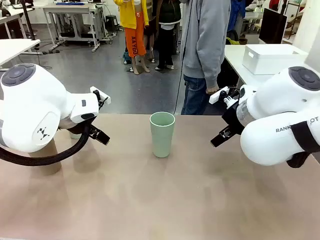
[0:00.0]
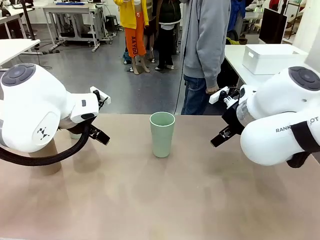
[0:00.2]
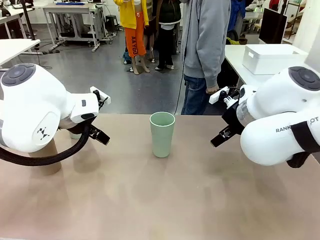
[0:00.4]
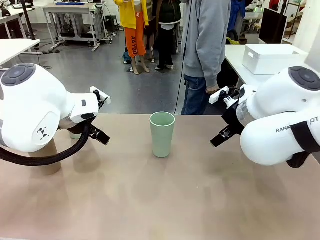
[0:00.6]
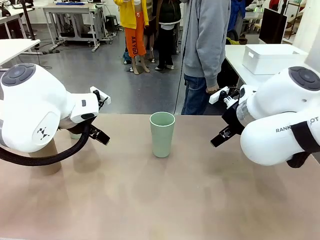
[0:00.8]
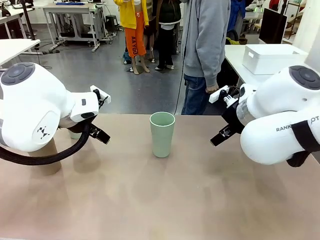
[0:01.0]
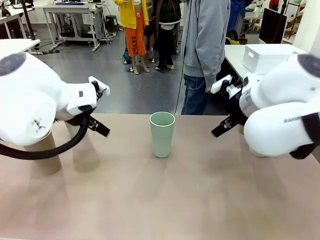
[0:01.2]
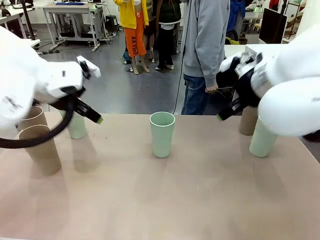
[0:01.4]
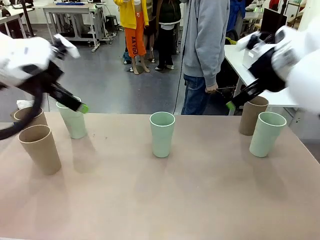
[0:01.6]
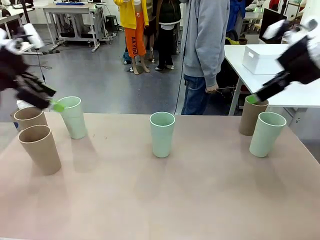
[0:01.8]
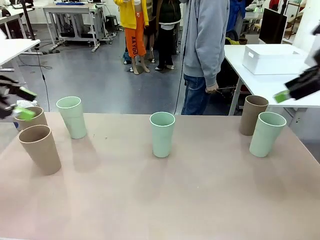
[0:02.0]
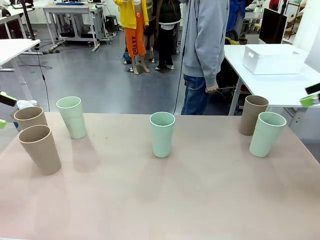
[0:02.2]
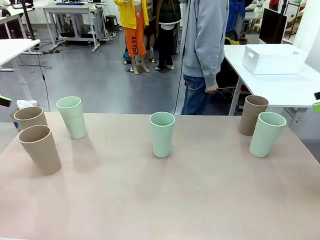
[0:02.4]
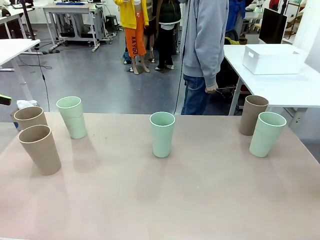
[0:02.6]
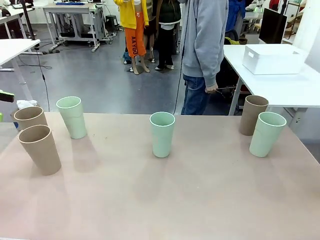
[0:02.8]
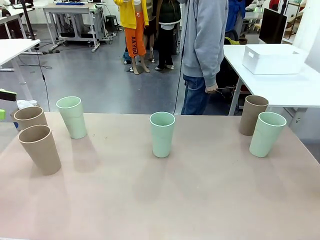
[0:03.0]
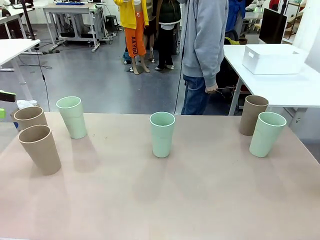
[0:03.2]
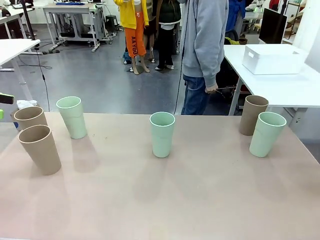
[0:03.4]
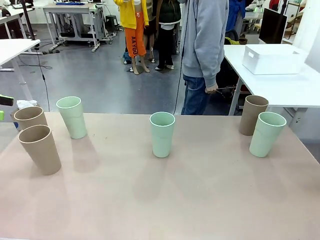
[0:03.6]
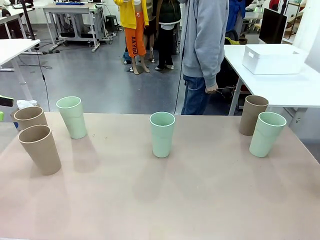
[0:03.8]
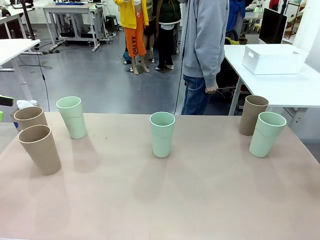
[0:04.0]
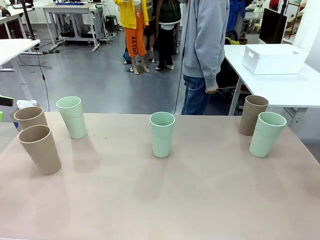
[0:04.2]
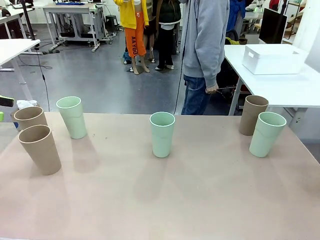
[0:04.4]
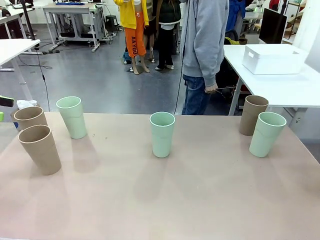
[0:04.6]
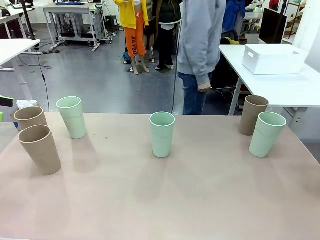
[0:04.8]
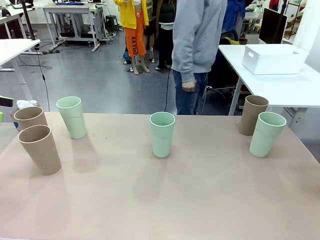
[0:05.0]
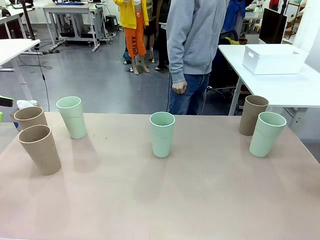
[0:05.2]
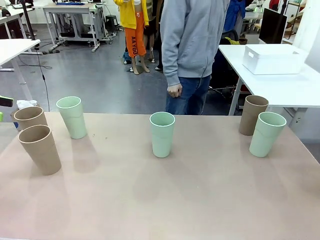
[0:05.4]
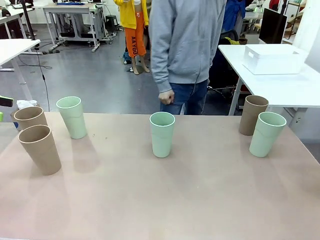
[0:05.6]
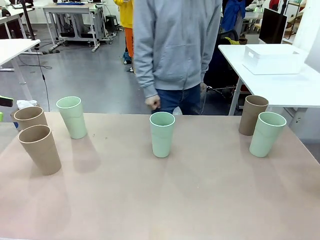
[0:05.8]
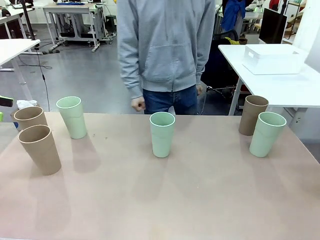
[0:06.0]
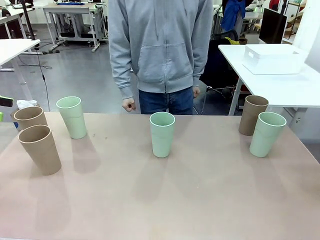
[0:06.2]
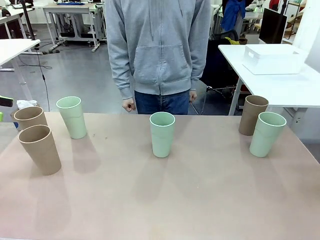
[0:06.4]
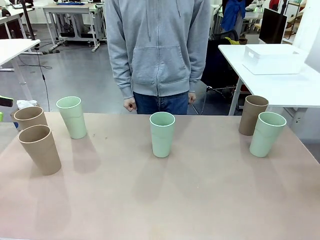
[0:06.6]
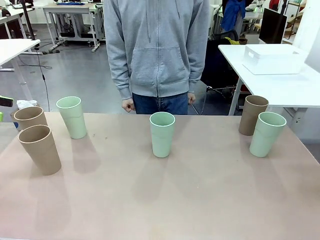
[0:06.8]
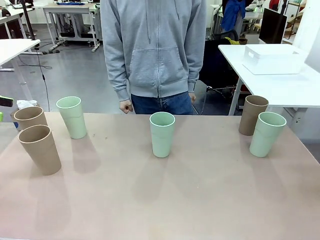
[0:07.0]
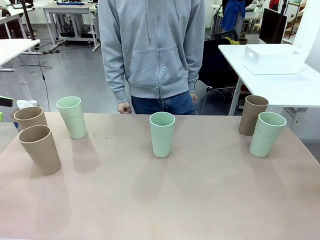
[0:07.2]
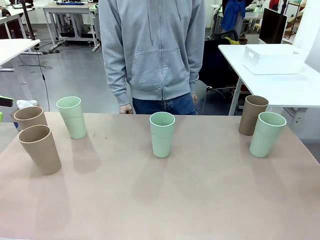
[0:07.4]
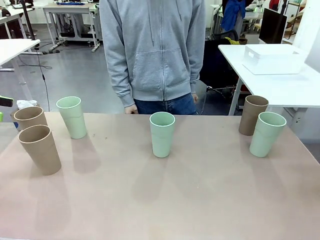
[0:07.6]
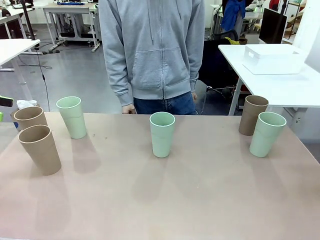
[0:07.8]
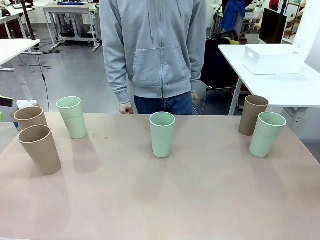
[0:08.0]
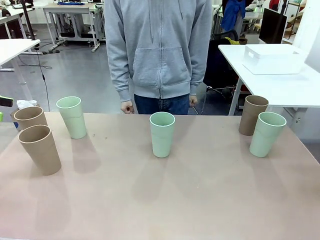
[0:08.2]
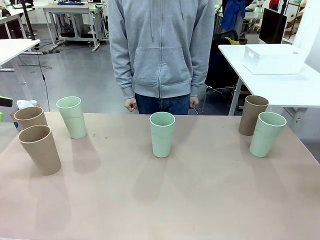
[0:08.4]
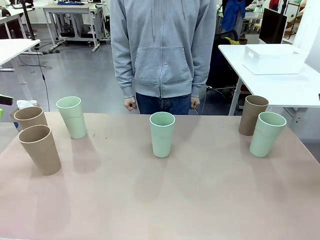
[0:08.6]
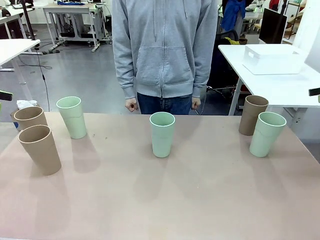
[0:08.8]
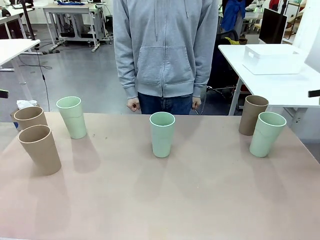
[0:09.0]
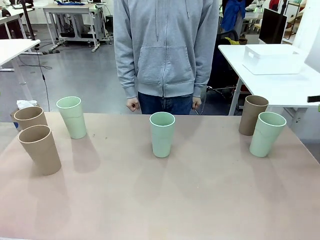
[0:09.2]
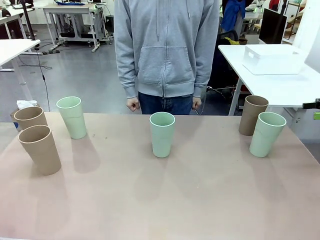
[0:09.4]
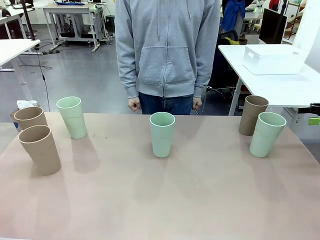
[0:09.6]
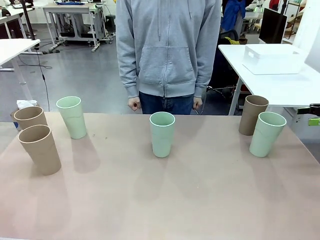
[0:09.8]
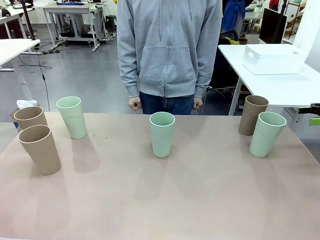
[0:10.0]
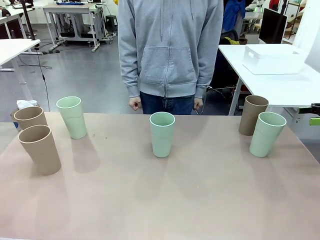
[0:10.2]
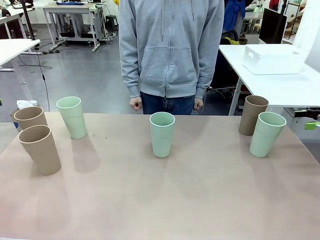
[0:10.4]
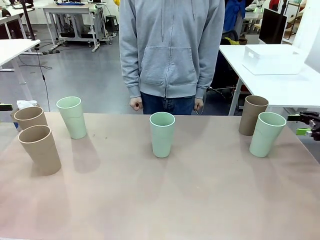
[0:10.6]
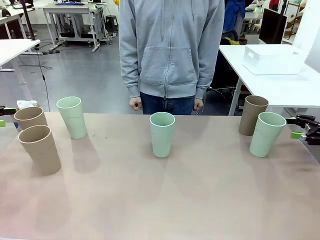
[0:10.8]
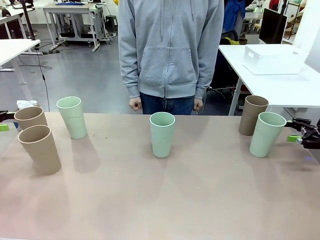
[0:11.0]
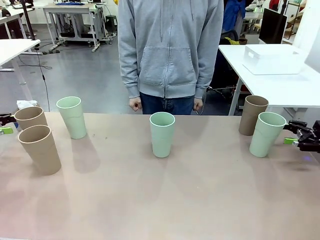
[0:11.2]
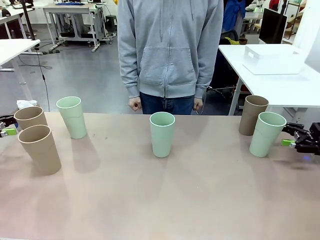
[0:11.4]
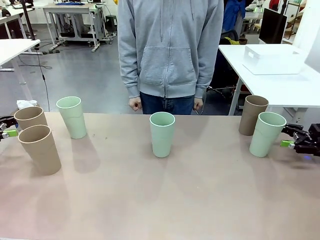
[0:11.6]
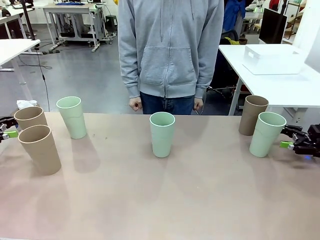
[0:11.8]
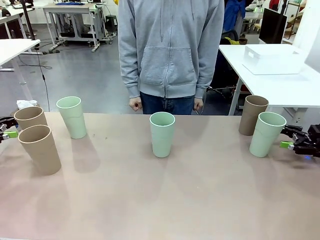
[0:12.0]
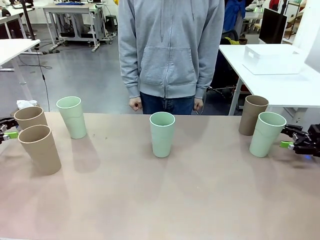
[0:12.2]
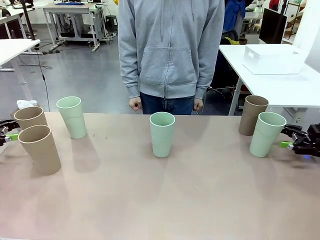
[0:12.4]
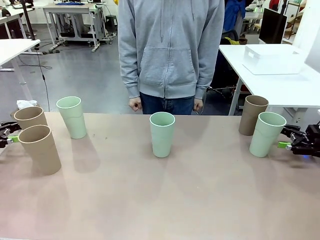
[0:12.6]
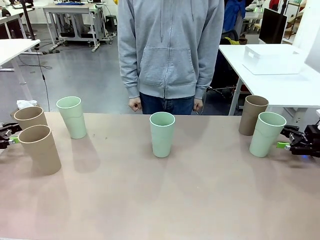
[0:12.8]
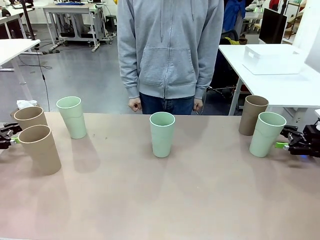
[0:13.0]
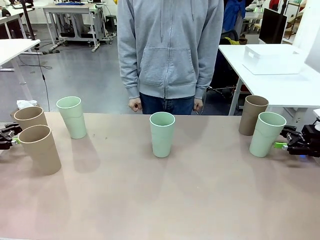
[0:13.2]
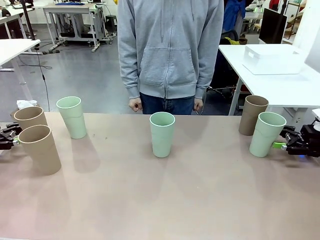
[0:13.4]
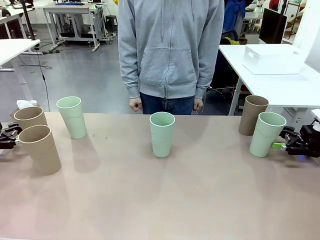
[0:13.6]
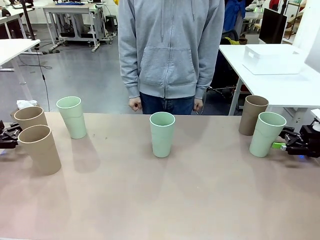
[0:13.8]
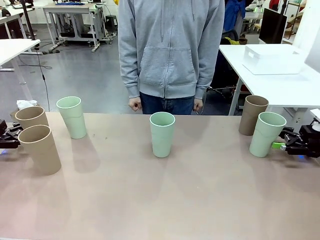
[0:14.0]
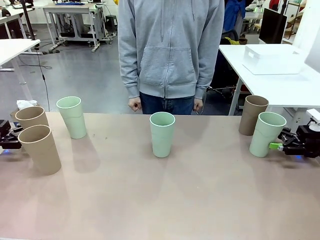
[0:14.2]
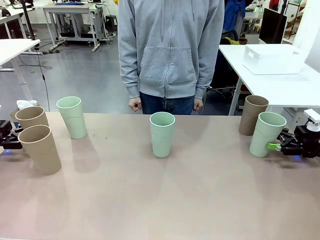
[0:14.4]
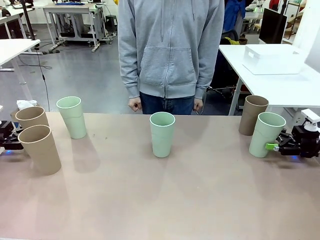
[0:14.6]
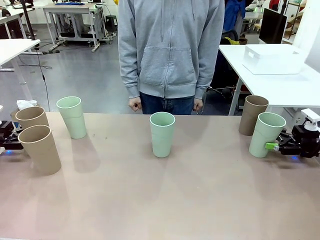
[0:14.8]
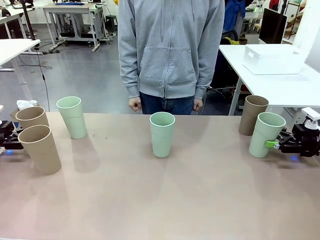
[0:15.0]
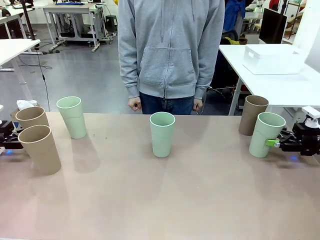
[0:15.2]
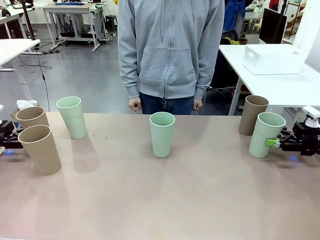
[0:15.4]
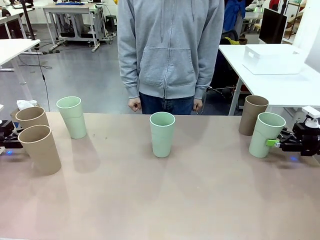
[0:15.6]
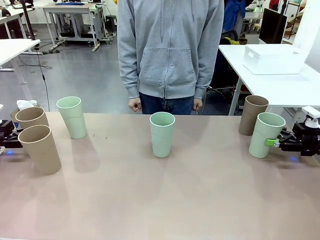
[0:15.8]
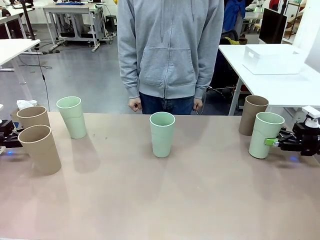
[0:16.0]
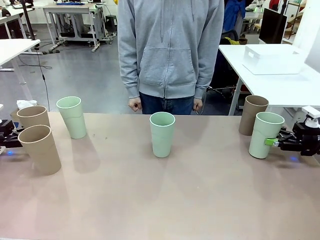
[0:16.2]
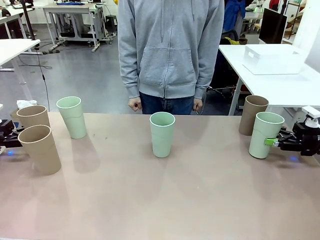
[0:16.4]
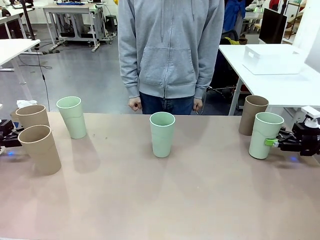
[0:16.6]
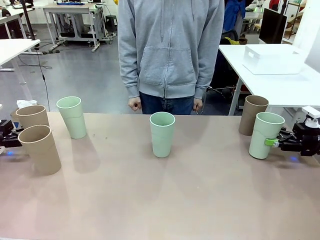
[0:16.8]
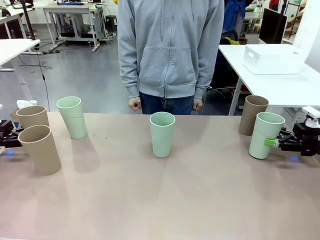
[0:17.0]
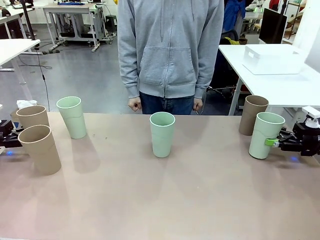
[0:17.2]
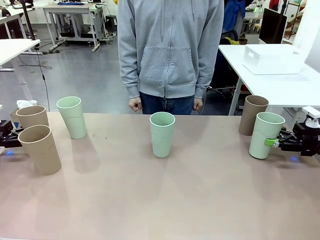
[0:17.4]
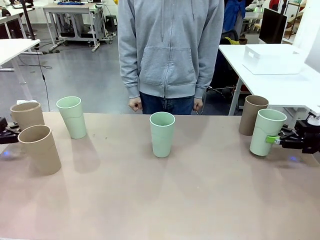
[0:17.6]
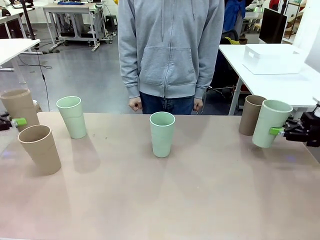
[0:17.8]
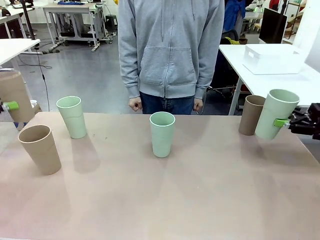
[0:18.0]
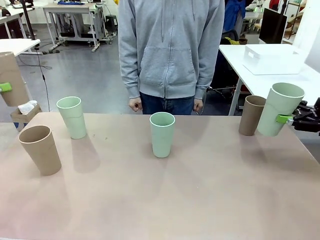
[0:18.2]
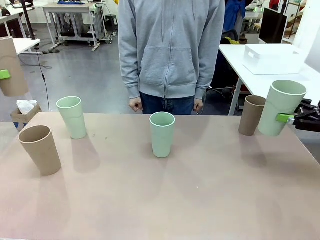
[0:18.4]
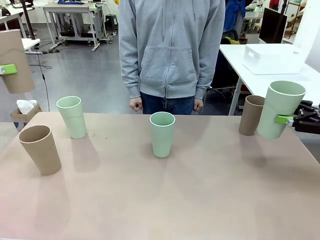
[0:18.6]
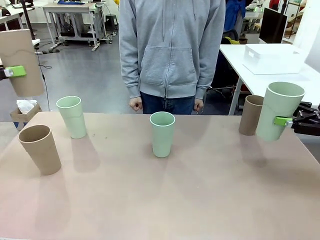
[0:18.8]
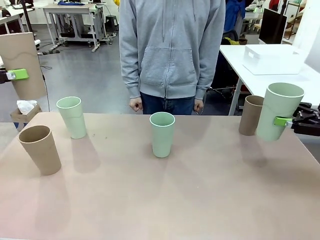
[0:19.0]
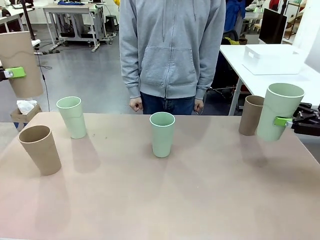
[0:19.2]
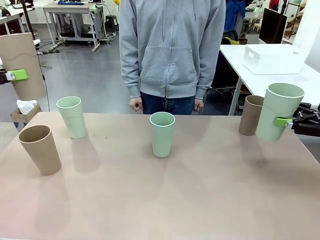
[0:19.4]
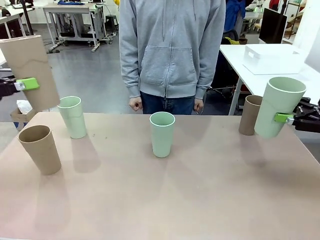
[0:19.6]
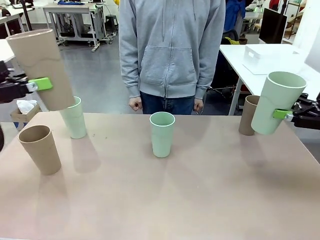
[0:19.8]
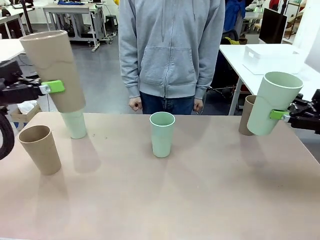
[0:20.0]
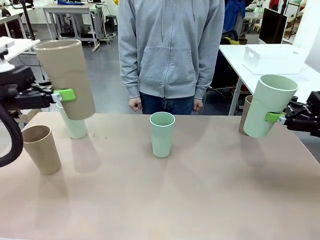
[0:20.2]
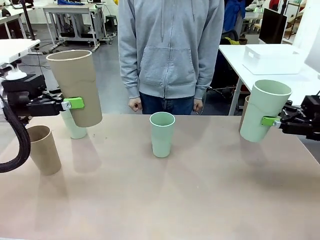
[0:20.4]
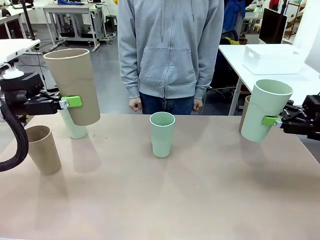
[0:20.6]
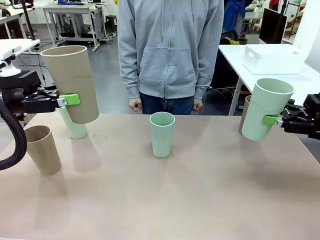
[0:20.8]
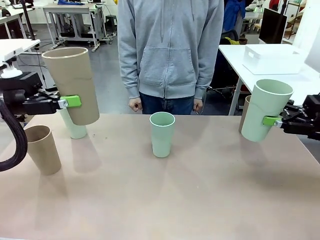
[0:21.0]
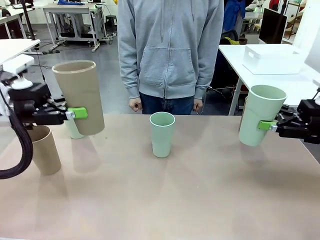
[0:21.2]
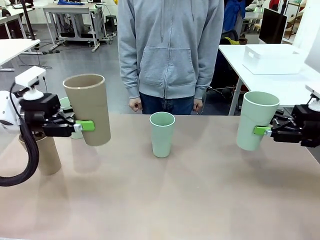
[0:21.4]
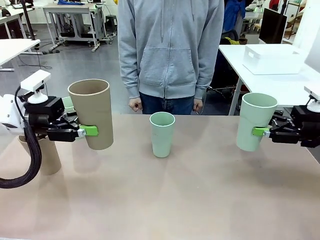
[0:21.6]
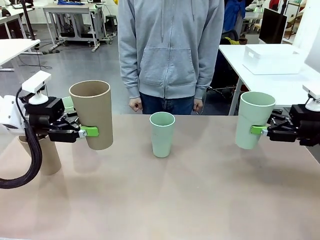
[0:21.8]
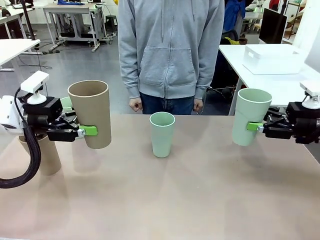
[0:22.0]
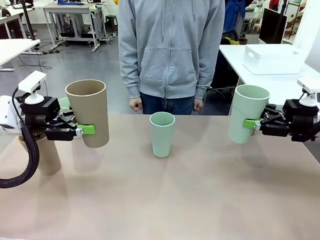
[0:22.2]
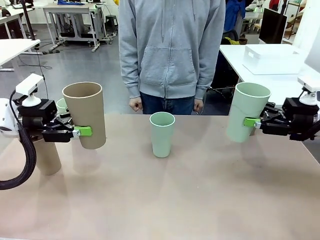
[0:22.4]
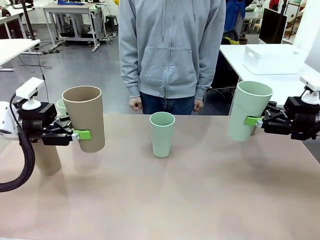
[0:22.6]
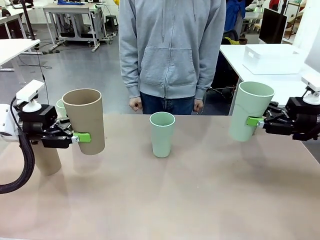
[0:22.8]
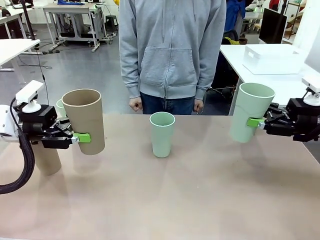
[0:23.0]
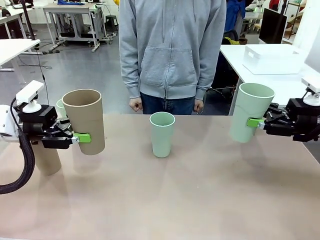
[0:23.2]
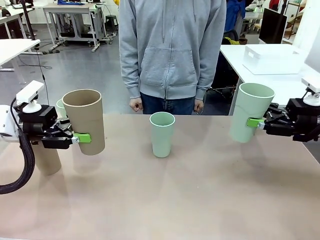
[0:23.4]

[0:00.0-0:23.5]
Task: Stack the cups and store them in the basket.
Robot: Pick up two Reusable plastic cups , one in each hand.
Person: Move from the Human Table to the front of the Robot Table. Stack two of the remaining cups on top of each cup held by the robot.
